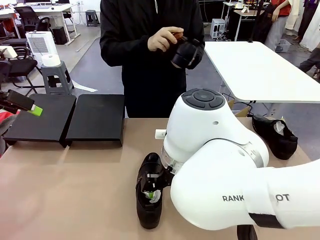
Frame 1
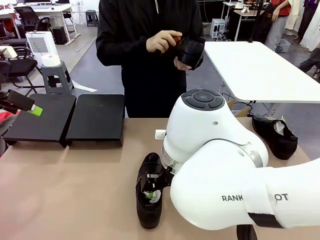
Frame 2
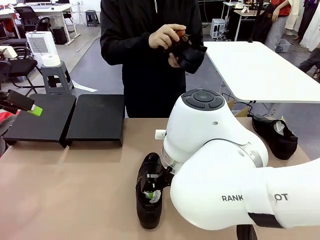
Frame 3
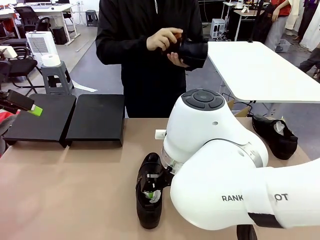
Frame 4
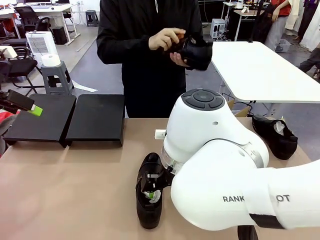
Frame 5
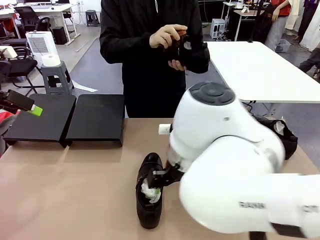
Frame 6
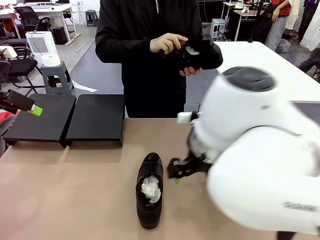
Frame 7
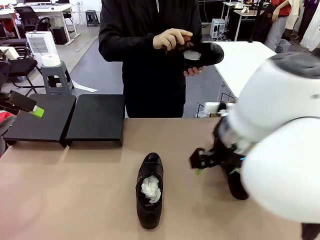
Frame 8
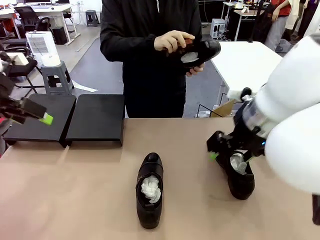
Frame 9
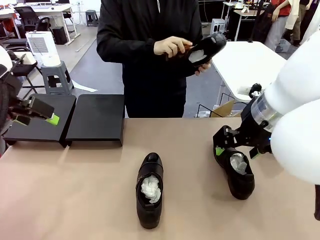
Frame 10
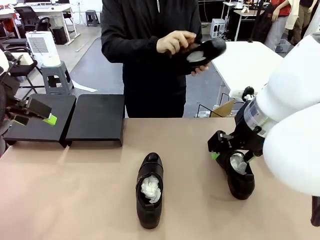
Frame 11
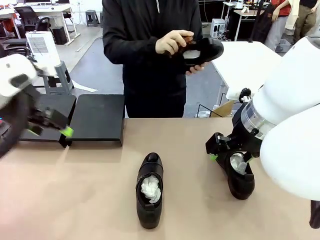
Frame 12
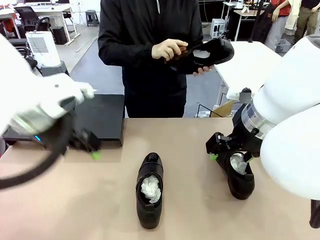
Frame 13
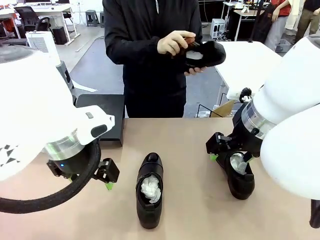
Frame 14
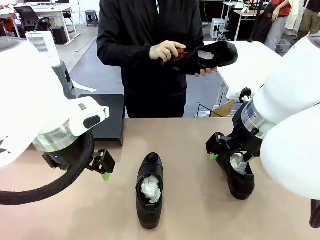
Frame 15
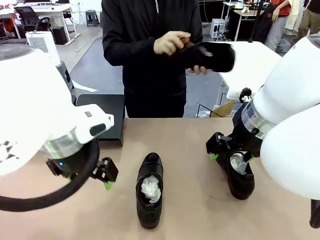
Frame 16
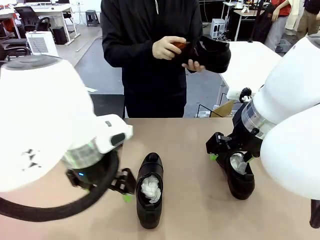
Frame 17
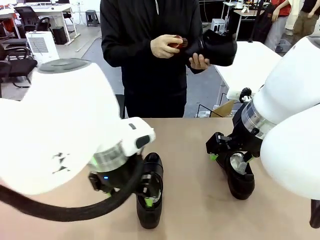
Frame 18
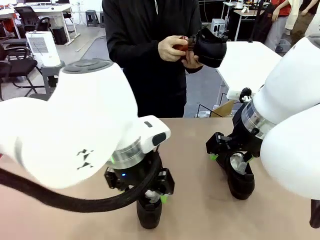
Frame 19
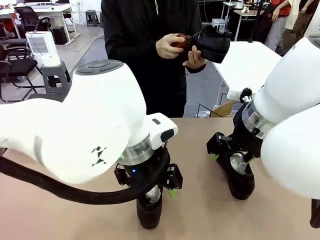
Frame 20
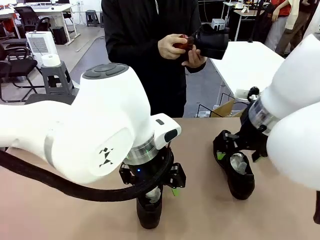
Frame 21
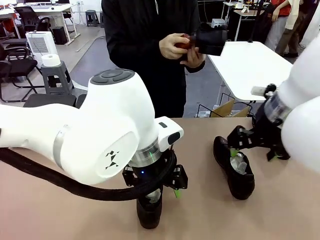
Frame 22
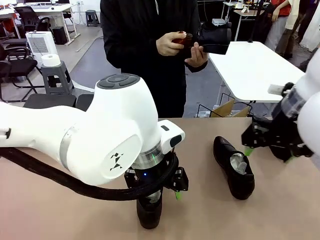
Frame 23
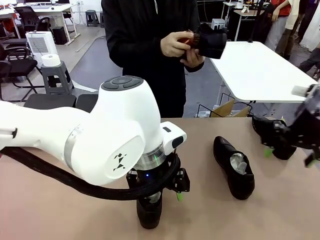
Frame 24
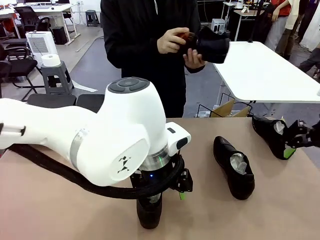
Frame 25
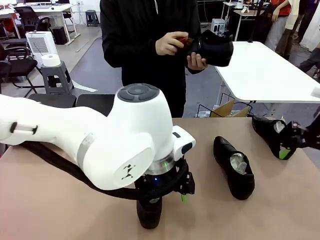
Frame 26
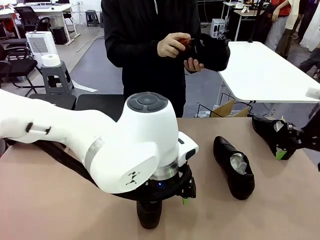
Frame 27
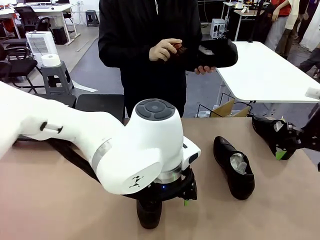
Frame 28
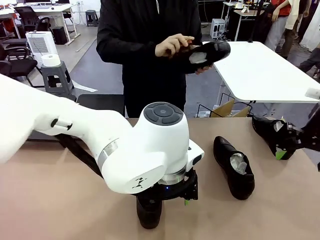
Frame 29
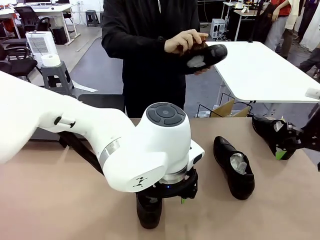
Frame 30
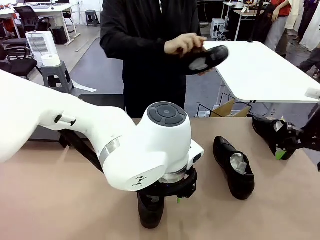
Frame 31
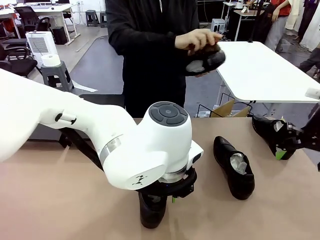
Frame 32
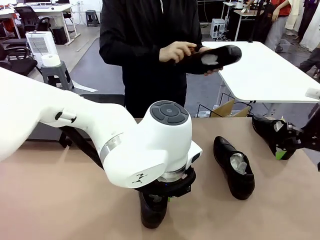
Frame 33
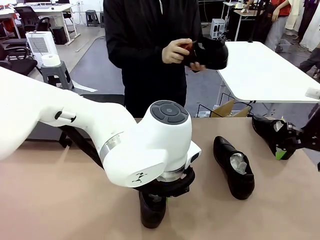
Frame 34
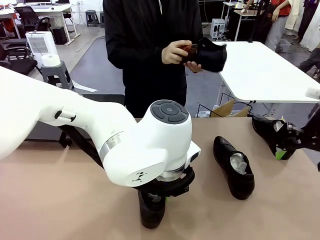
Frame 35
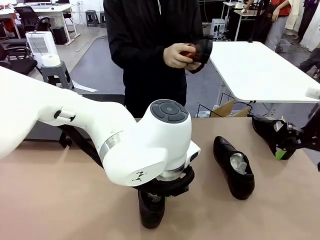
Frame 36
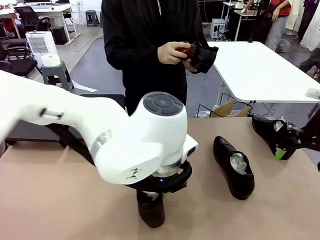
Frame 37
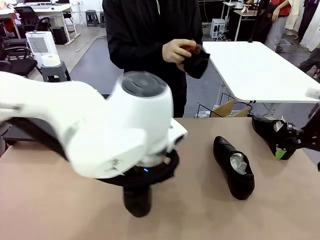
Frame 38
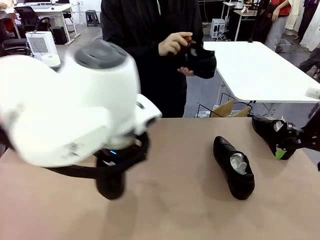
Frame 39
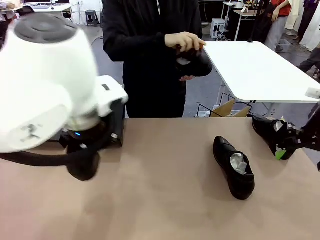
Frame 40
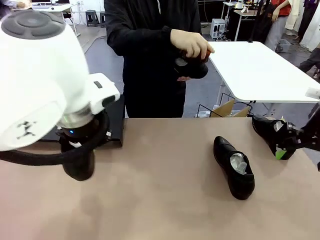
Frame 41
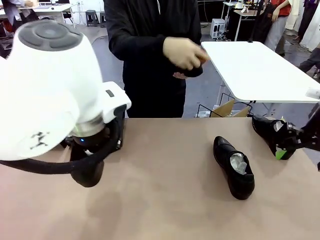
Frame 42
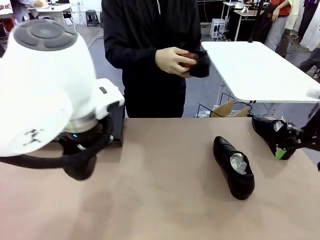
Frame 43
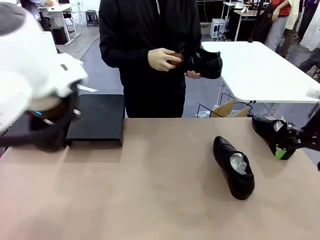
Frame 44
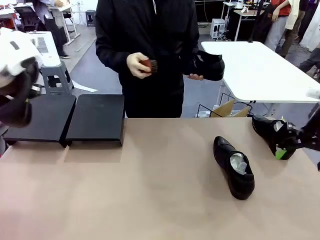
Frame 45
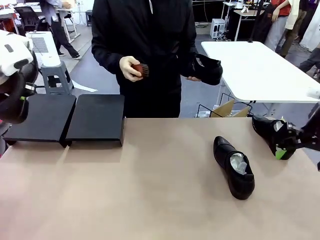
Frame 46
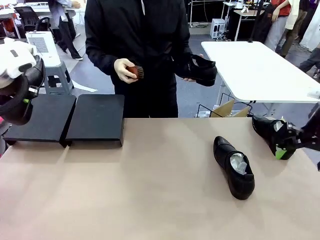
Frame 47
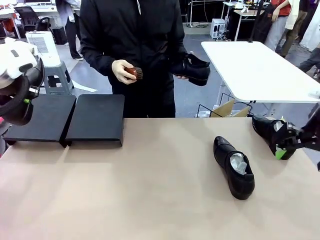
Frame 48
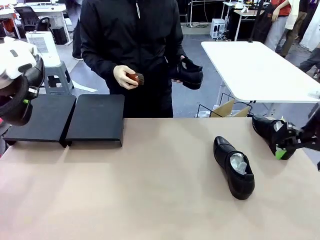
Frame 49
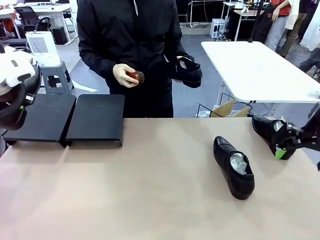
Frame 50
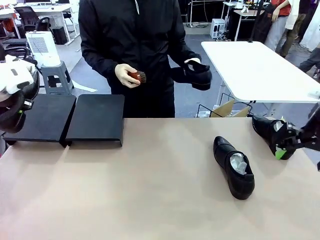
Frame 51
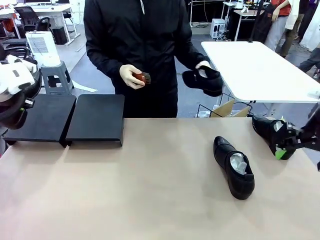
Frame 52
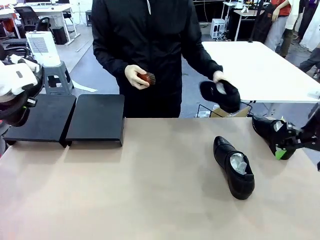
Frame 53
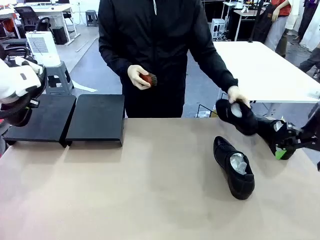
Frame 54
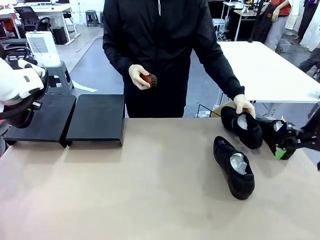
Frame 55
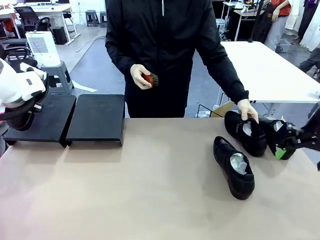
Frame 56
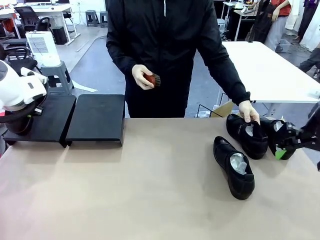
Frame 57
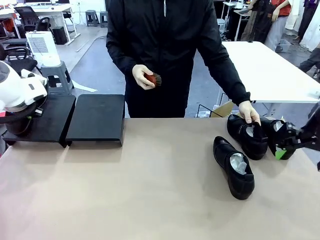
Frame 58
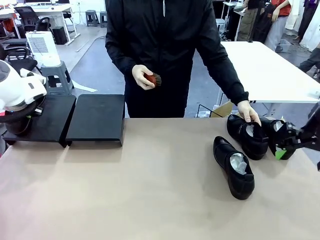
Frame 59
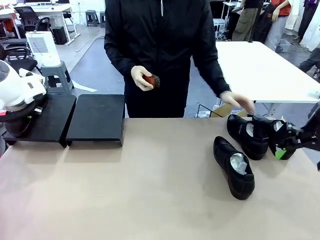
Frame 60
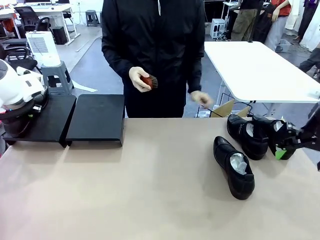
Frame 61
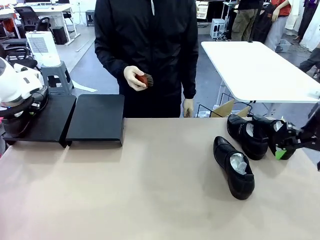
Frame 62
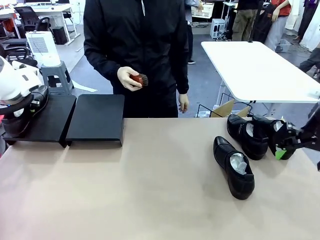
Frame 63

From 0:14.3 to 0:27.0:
Task: Organize the shoes by placing them on the stand.
Robot: Place the Shoe from the middle of the table onto the Shoes Stand.
Person: Clean the Shoe with the Shoe Brush. Place the Shoe on left side of the Robot's table.

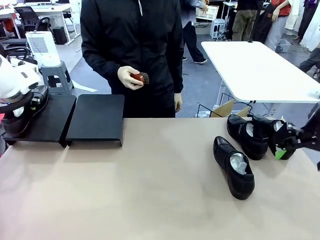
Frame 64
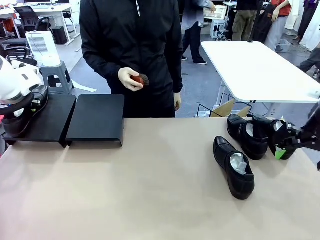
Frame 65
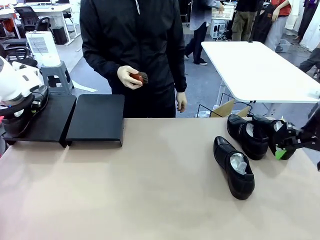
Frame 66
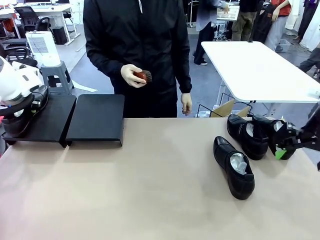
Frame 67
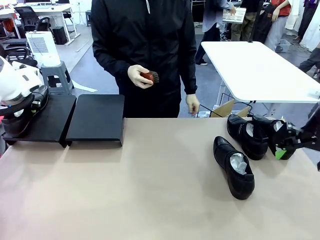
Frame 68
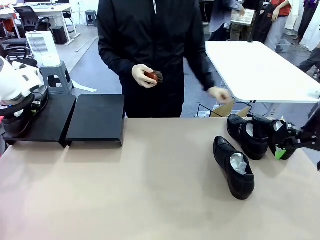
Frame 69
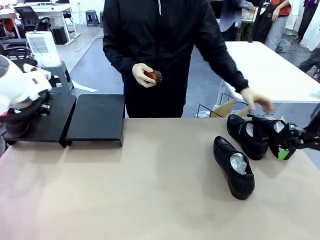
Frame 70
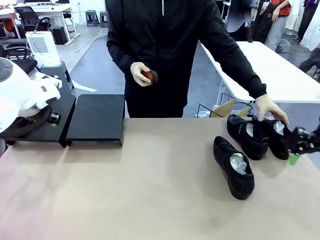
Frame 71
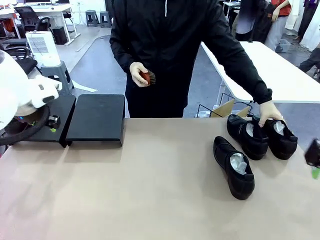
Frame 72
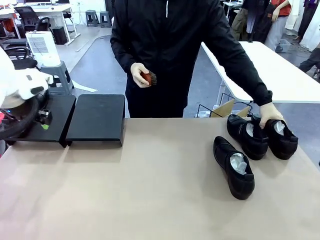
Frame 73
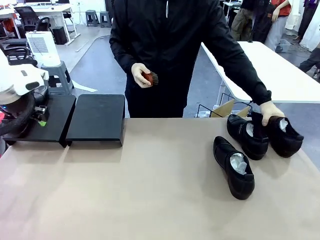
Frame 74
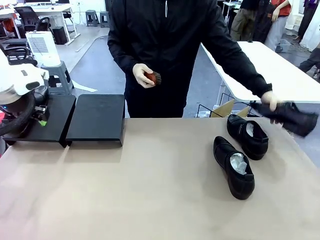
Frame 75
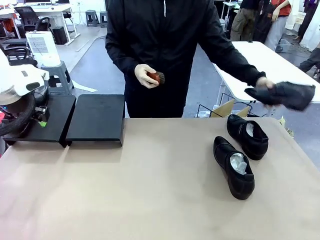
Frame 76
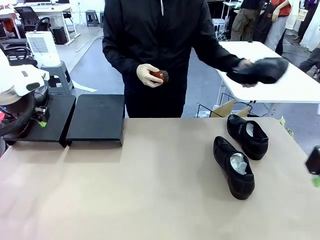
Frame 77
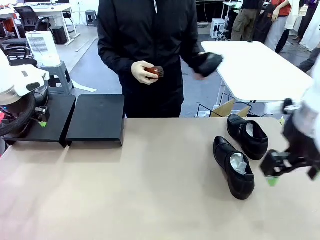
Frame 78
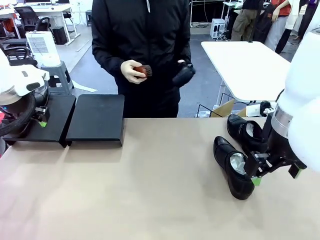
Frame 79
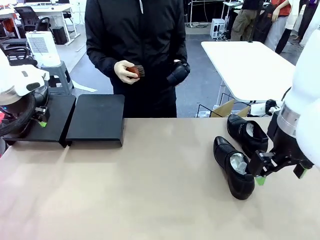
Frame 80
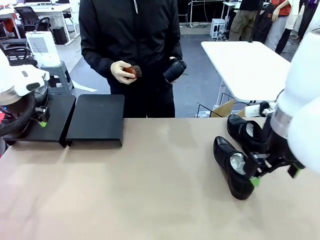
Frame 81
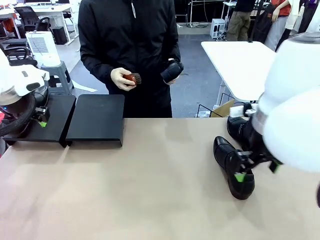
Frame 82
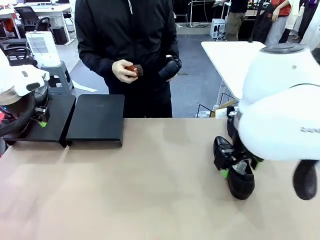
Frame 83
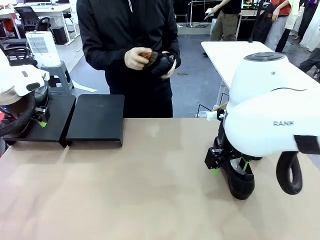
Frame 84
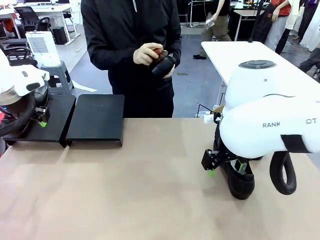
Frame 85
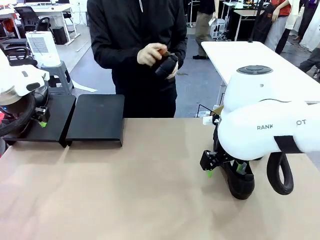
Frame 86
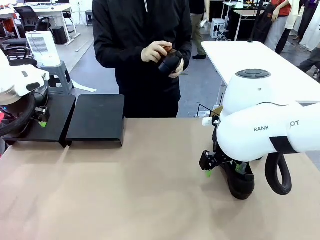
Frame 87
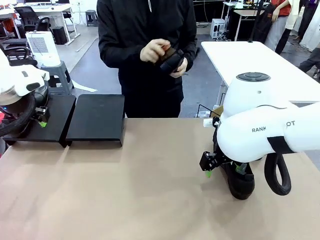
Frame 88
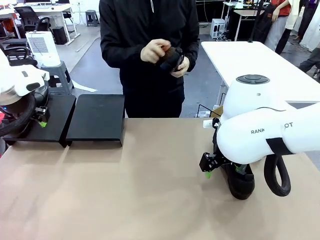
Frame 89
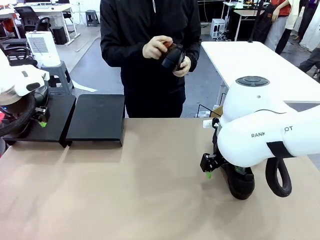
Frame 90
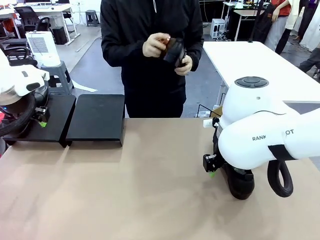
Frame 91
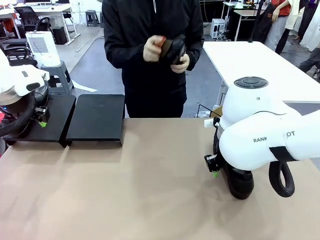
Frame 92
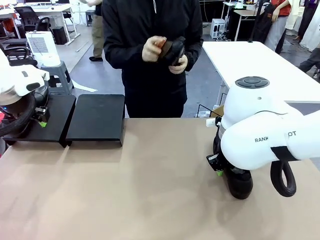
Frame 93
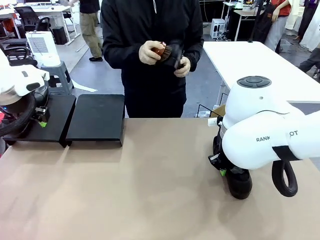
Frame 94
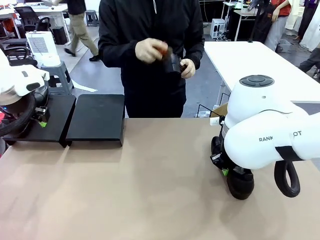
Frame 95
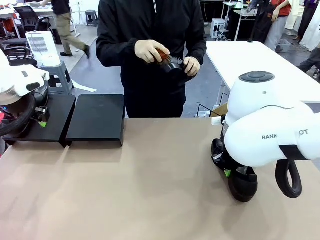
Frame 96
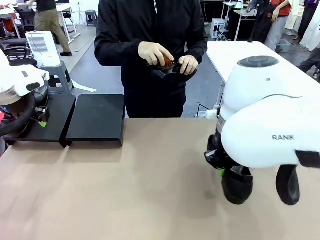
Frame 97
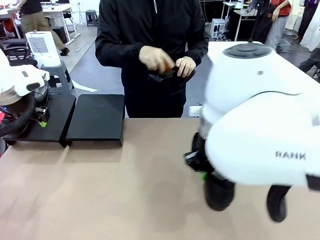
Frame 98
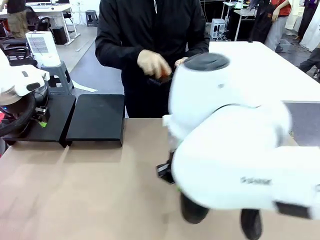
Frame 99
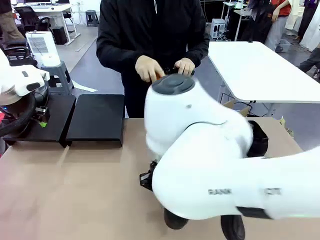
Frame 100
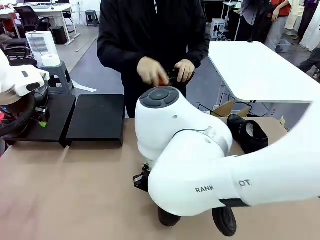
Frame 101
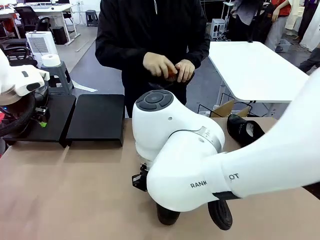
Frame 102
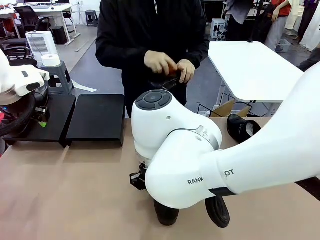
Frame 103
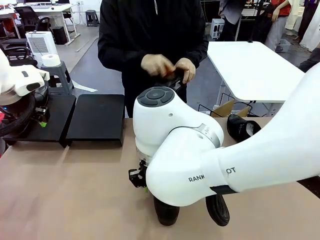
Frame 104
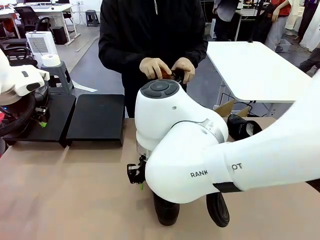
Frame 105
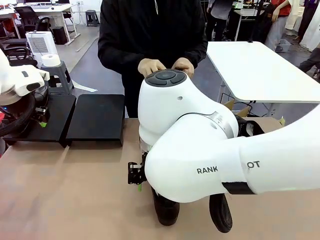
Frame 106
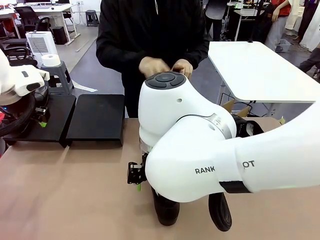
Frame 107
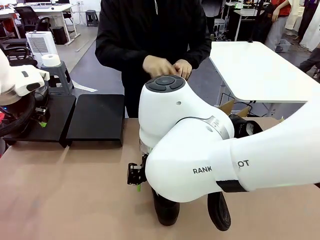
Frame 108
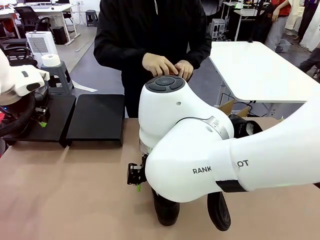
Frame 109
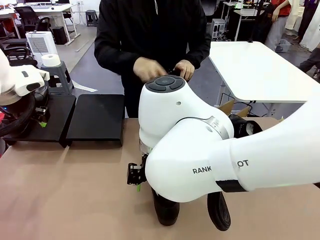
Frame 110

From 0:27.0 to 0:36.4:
Robot: Pick up one Shoe and place it in the middle of the table.
Person: Pick one Shoe on Robot's table.
